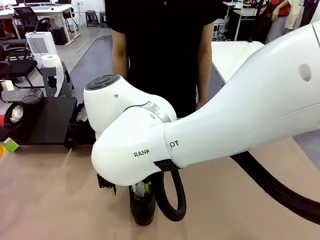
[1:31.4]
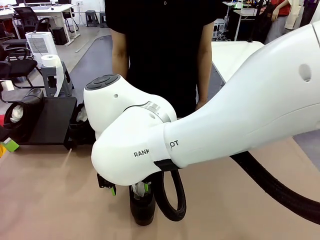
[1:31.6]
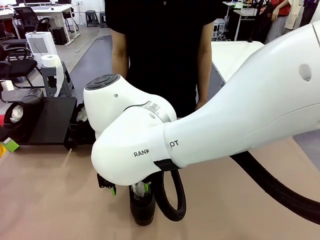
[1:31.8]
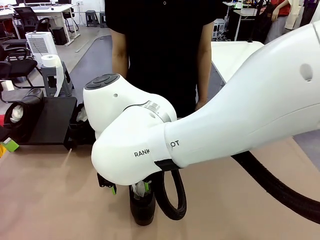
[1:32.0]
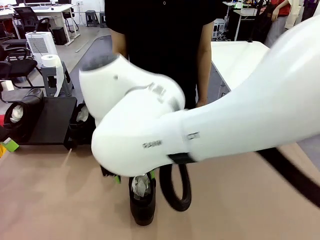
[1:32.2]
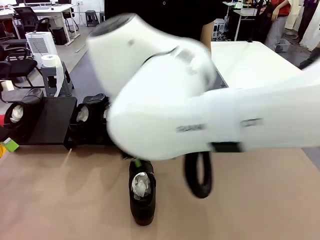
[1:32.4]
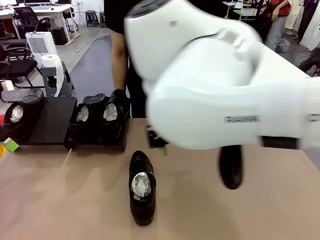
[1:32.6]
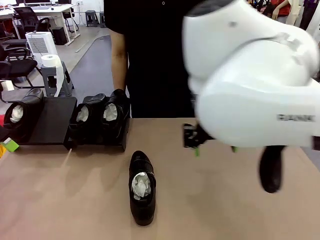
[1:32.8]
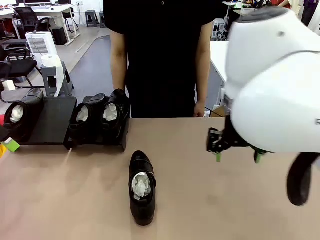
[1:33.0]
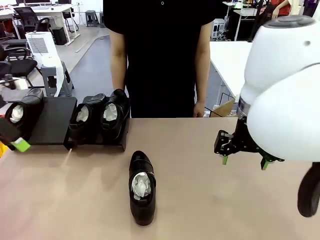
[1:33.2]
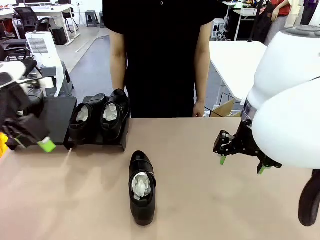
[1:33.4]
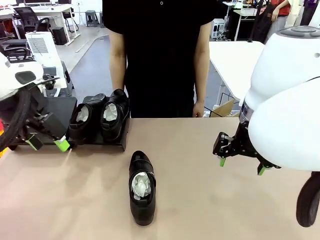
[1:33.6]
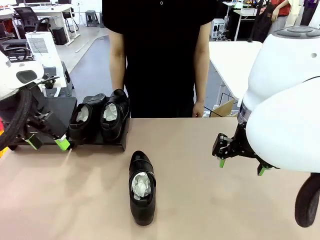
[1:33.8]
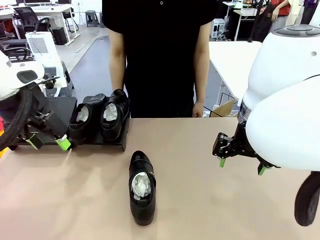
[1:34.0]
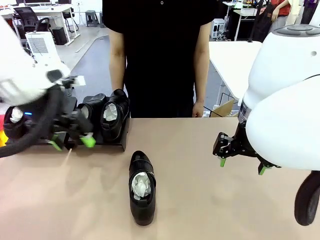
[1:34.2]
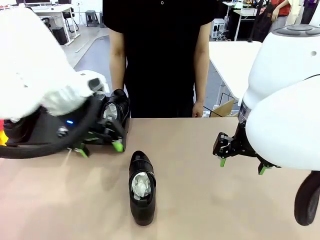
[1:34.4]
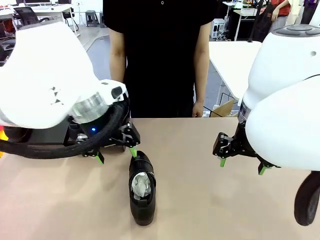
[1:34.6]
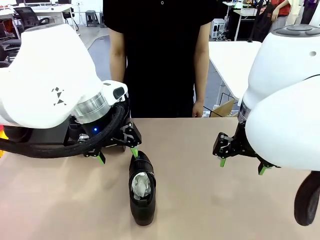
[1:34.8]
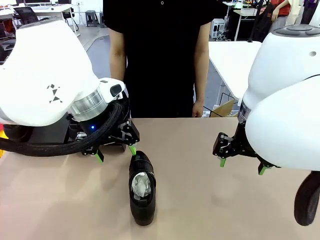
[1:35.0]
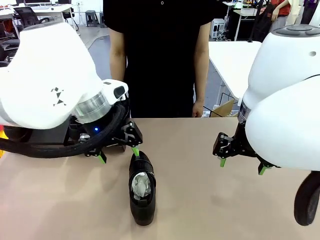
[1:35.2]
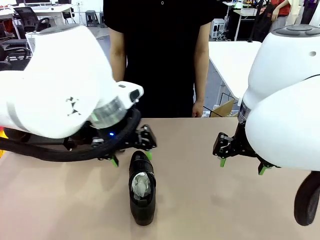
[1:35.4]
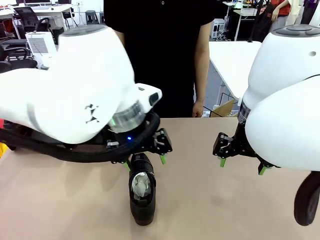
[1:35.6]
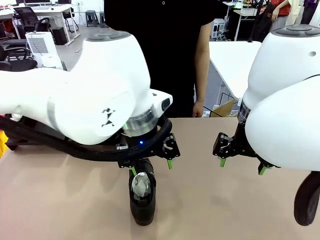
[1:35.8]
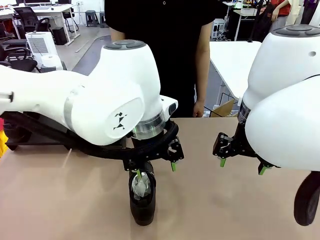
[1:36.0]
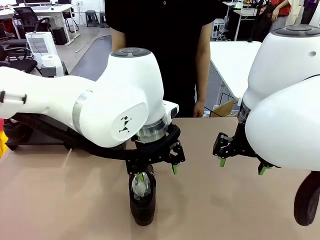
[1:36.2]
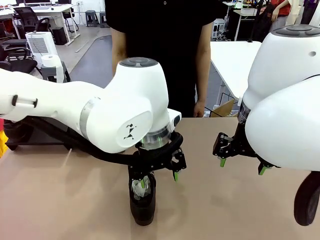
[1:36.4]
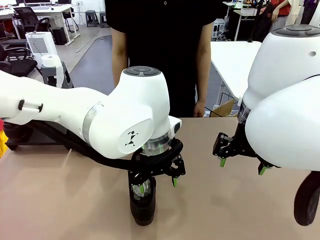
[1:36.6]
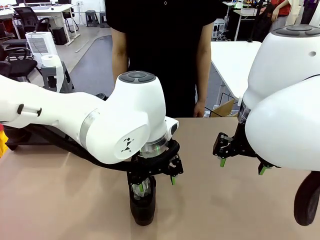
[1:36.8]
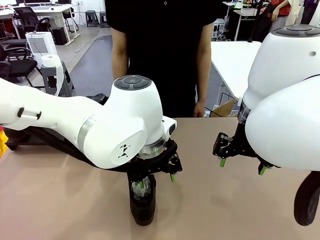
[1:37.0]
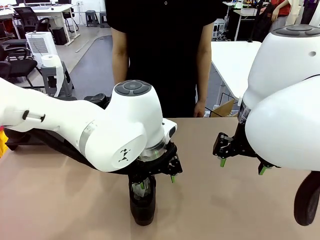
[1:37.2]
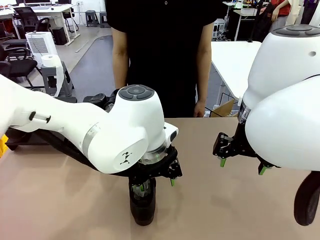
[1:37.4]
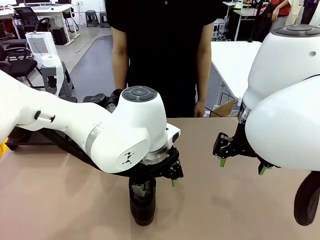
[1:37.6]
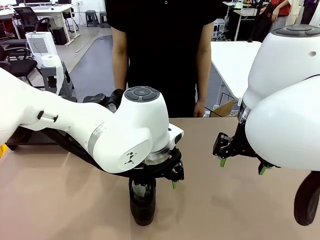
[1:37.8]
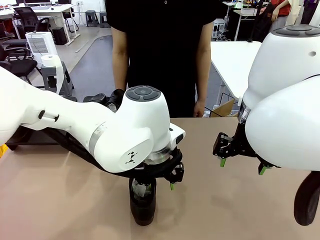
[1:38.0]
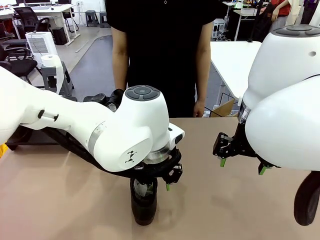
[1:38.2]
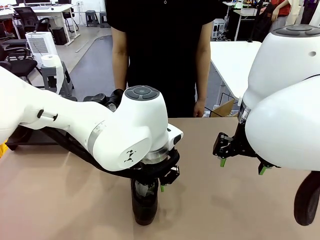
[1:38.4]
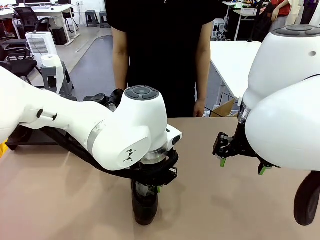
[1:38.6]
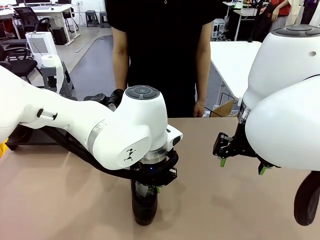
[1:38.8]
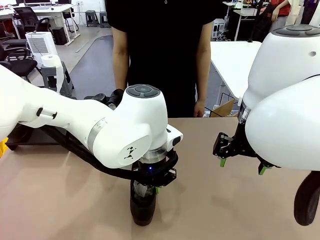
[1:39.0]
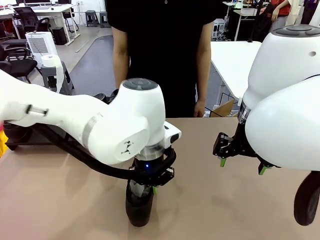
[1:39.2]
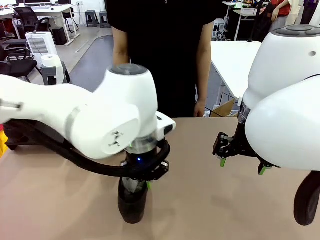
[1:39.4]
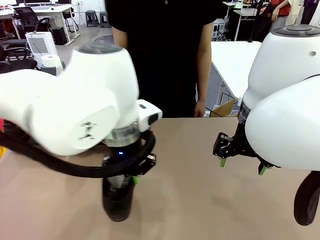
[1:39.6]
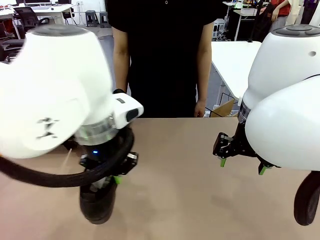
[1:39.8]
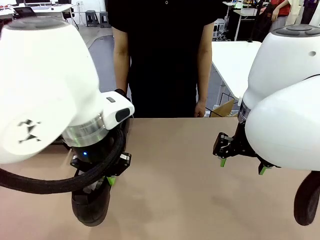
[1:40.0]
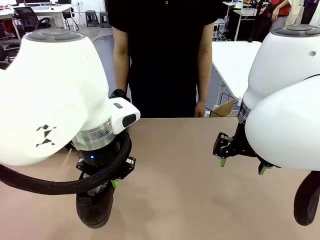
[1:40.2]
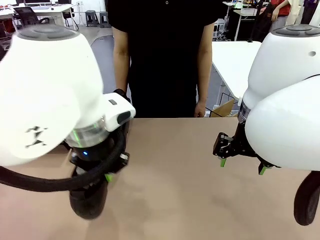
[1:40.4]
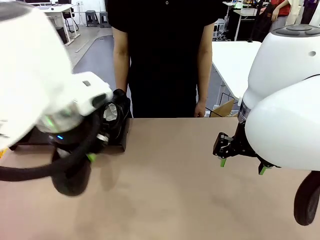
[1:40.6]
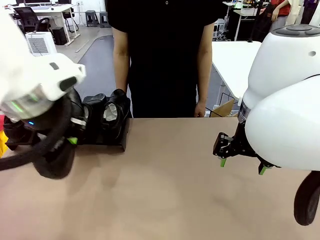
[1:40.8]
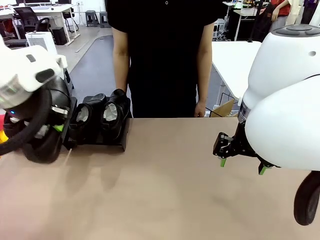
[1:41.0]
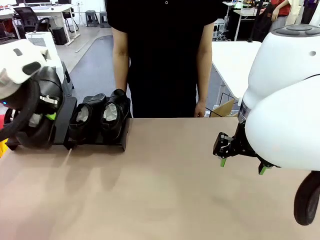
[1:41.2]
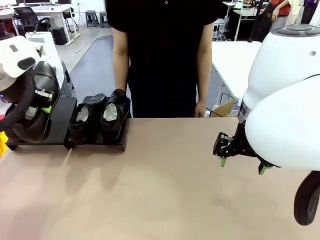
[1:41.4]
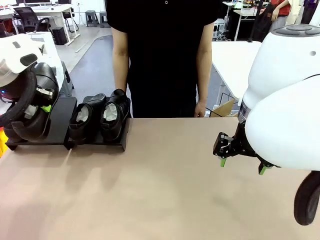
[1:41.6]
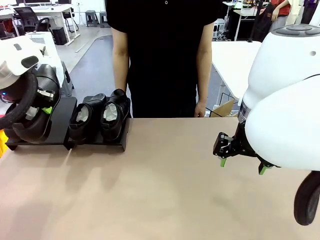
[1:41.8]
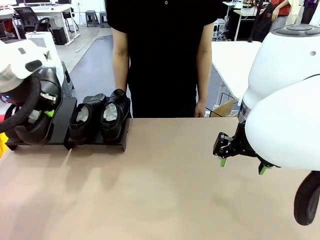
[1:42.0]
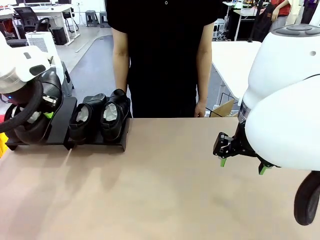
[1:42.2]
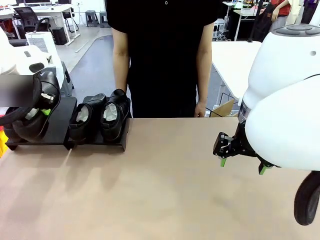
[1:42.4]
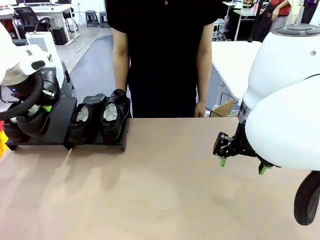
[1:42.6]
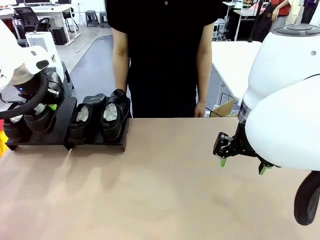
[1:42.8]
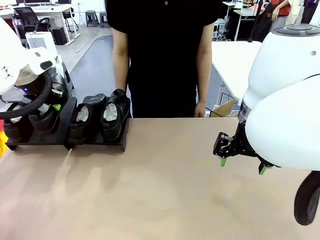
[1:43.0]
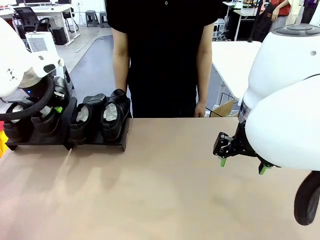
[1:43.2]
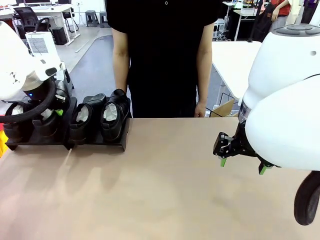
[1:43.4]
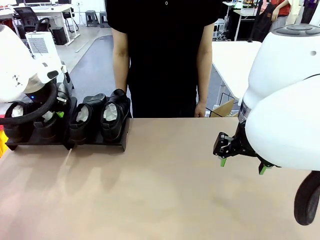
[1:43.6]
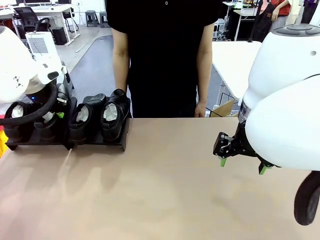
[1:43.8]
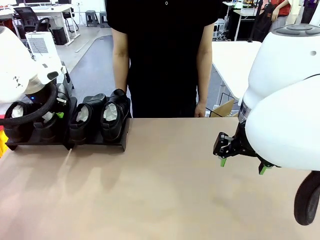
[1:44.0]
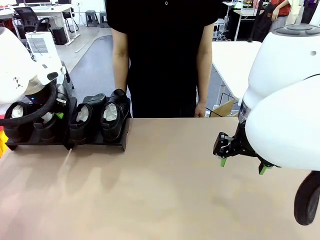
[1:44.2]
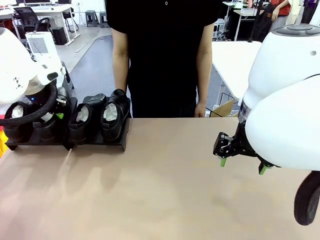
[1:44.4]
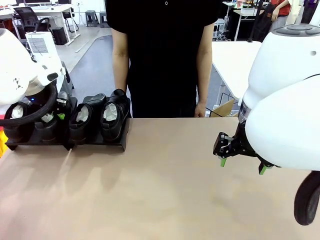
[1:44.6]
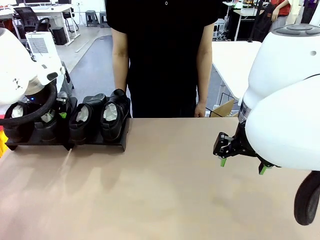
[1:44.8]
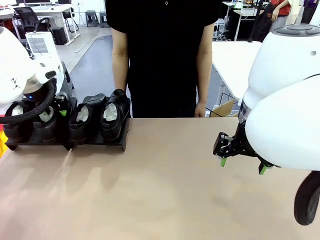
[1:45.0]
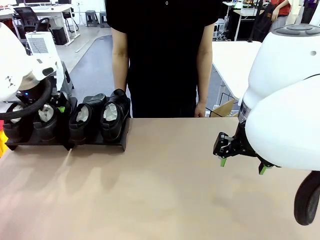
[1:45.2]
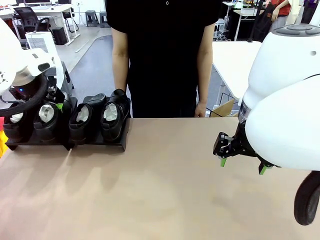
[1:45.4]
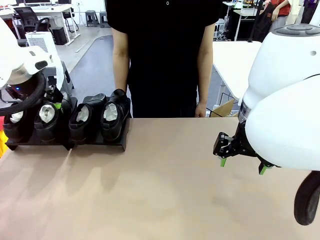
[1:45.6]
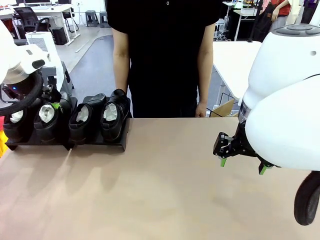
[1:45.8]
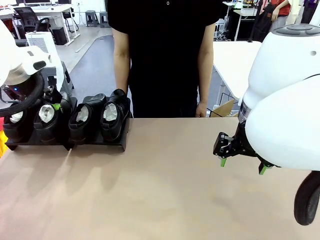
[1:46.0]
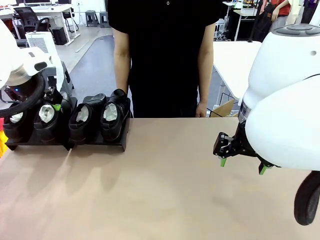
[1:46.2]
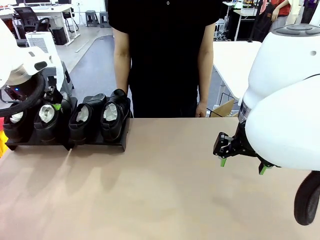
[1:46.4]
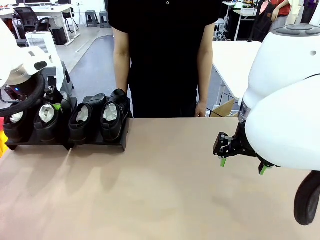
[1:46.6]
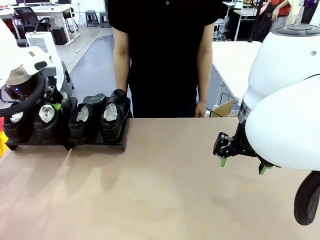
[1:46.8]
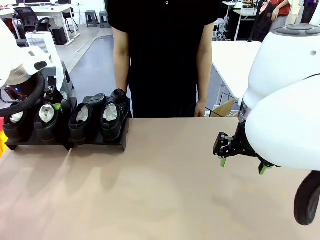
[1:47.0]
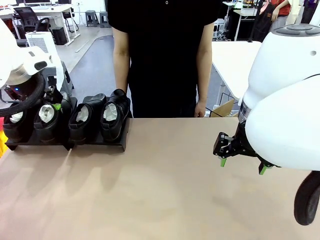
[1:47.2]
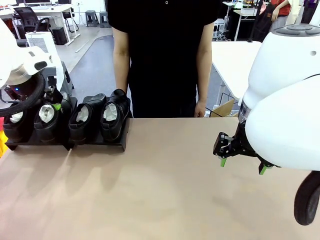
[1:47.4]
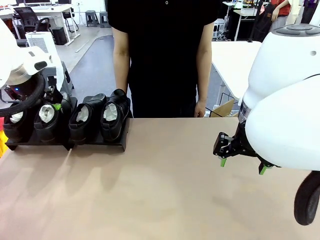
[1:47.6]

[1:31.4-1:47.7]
Task: Organize the shoes by placing them on the stand.
Robot: Place the Shoe from the middle of the table onto the Shoes Stand.
